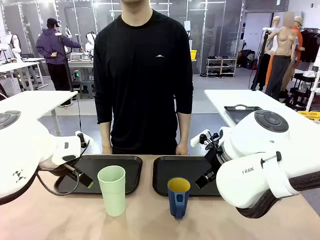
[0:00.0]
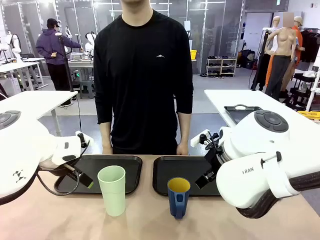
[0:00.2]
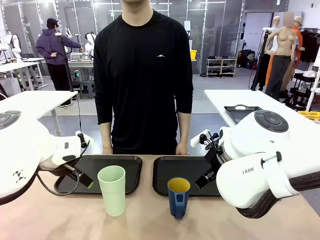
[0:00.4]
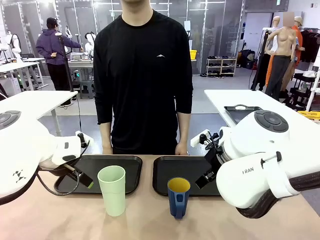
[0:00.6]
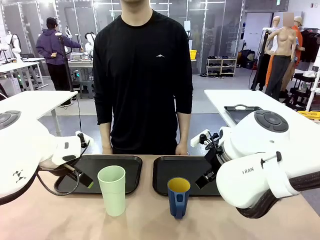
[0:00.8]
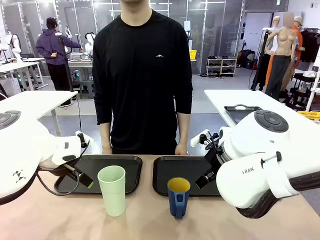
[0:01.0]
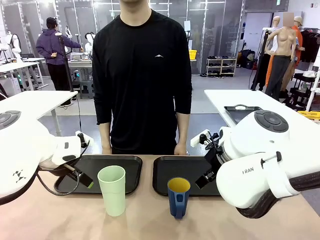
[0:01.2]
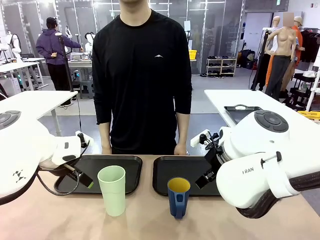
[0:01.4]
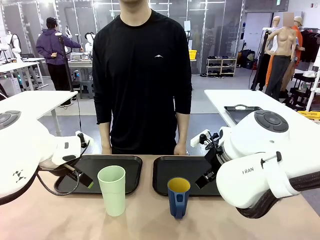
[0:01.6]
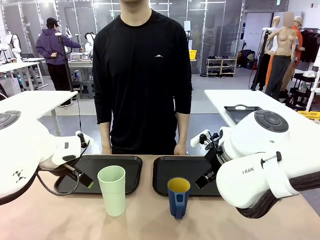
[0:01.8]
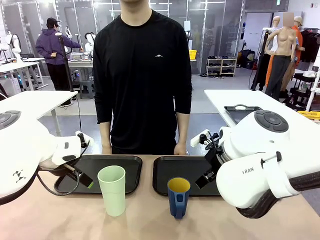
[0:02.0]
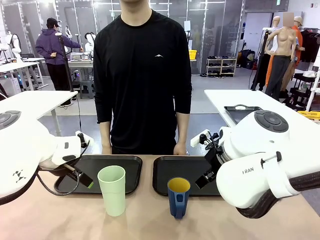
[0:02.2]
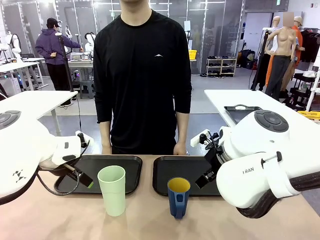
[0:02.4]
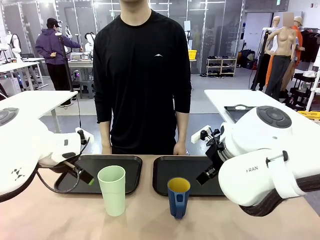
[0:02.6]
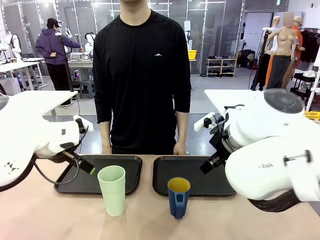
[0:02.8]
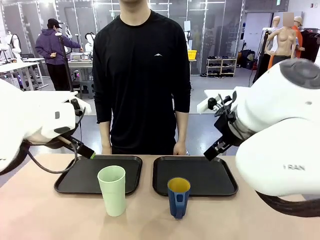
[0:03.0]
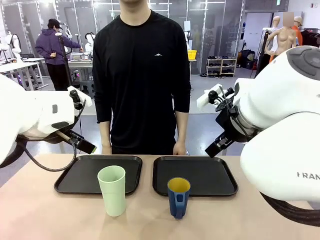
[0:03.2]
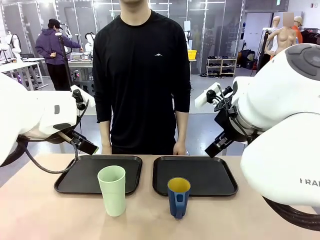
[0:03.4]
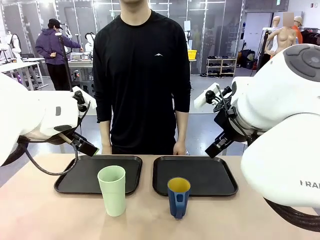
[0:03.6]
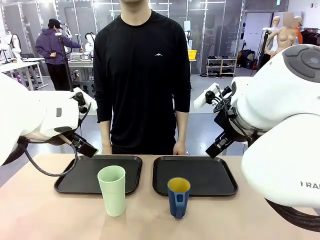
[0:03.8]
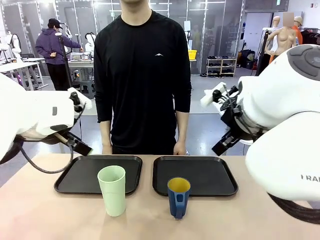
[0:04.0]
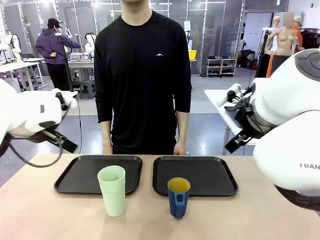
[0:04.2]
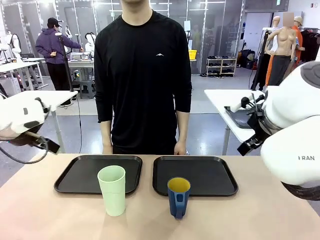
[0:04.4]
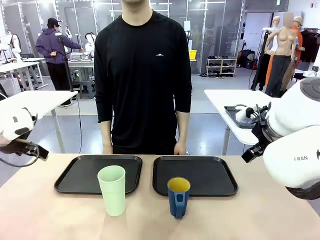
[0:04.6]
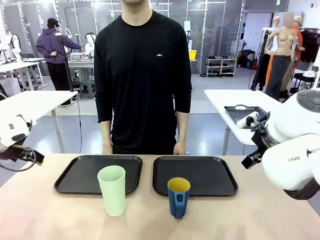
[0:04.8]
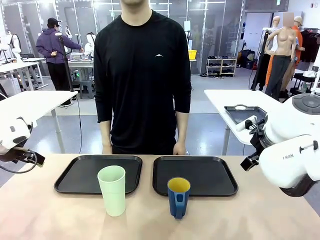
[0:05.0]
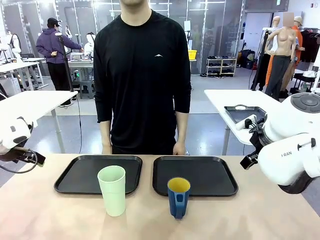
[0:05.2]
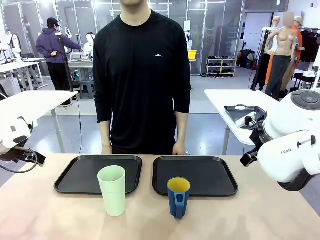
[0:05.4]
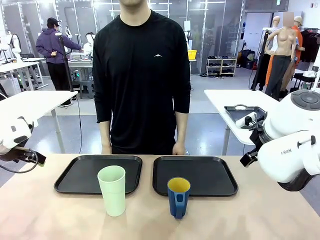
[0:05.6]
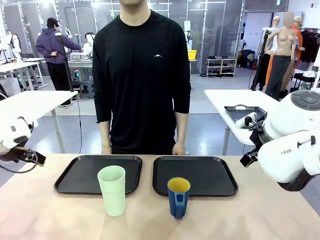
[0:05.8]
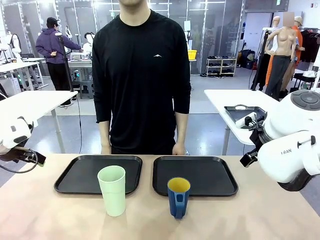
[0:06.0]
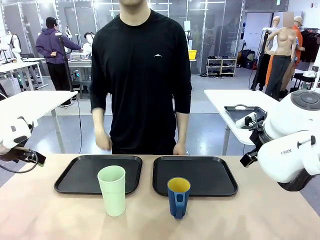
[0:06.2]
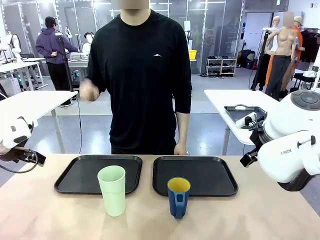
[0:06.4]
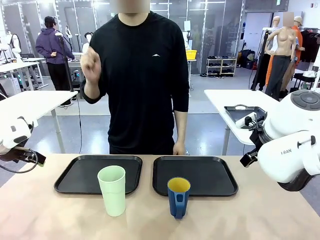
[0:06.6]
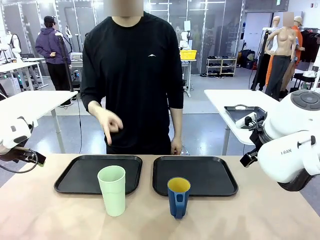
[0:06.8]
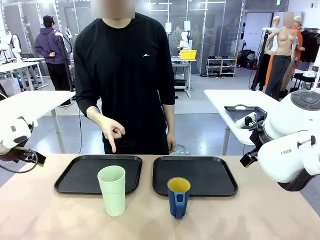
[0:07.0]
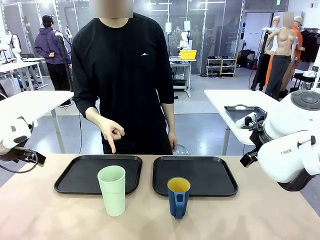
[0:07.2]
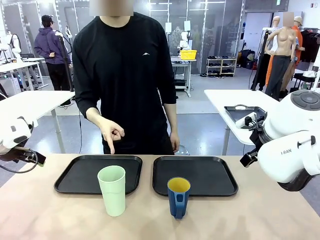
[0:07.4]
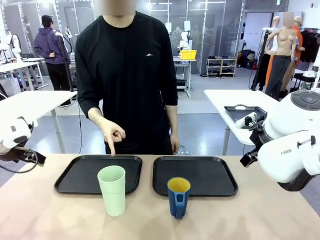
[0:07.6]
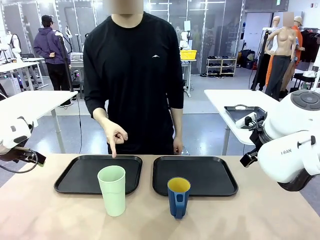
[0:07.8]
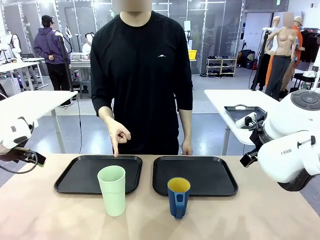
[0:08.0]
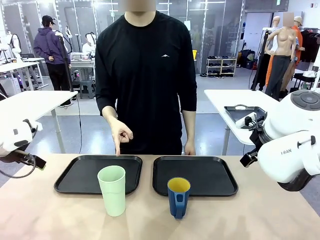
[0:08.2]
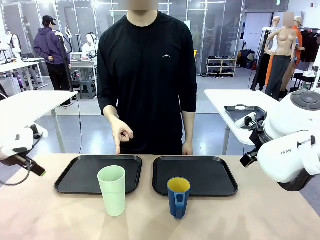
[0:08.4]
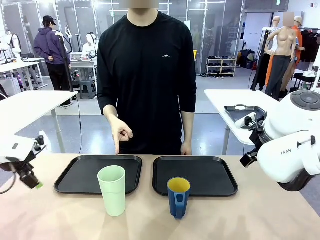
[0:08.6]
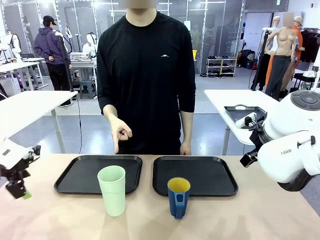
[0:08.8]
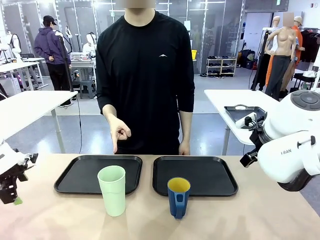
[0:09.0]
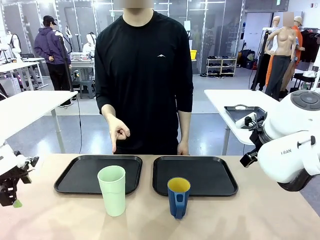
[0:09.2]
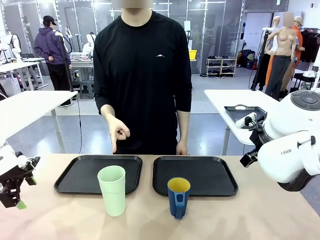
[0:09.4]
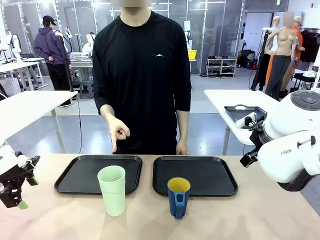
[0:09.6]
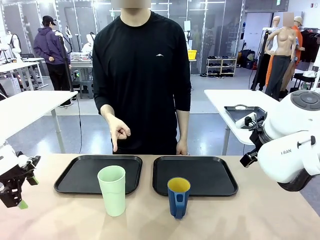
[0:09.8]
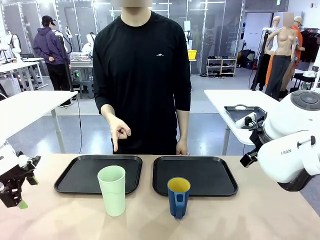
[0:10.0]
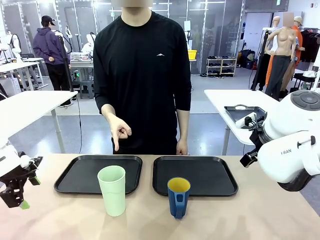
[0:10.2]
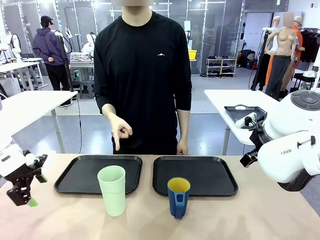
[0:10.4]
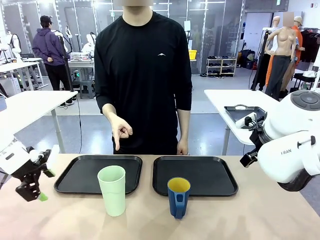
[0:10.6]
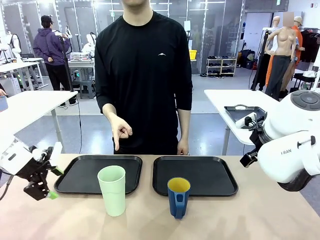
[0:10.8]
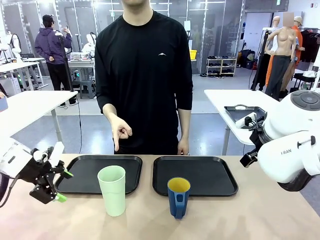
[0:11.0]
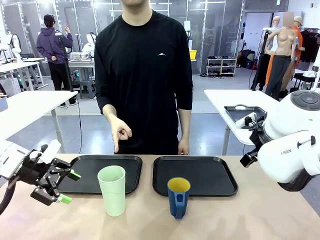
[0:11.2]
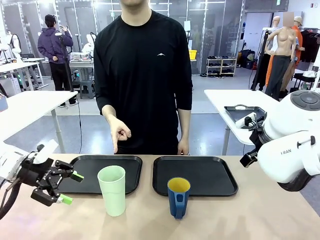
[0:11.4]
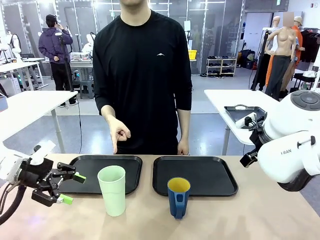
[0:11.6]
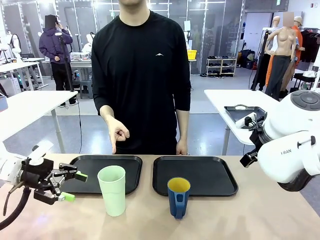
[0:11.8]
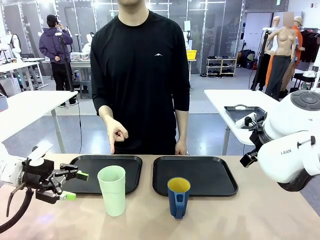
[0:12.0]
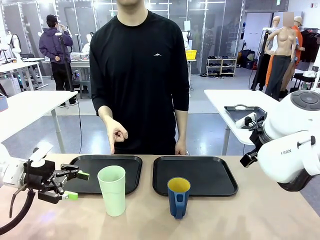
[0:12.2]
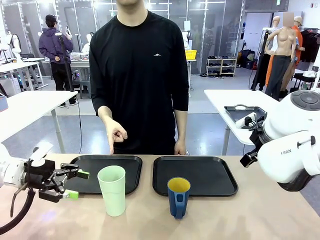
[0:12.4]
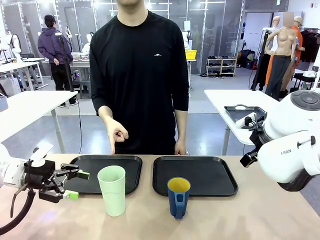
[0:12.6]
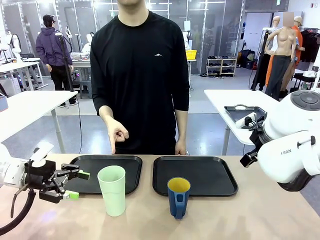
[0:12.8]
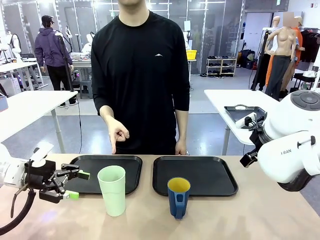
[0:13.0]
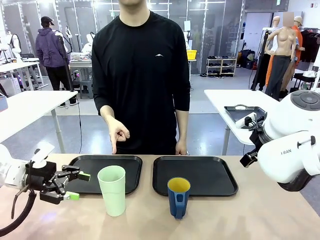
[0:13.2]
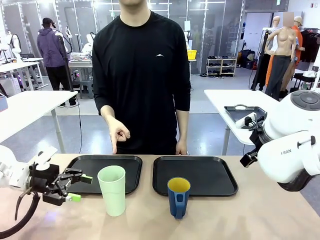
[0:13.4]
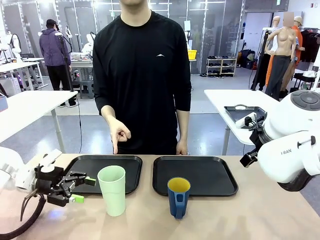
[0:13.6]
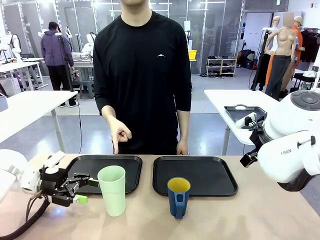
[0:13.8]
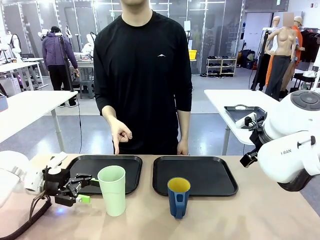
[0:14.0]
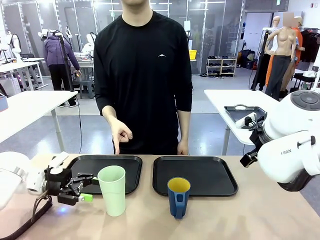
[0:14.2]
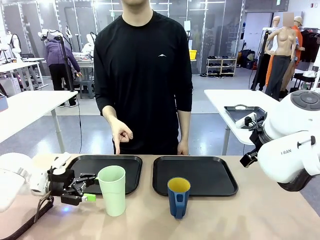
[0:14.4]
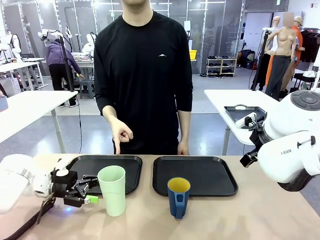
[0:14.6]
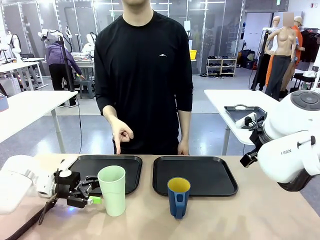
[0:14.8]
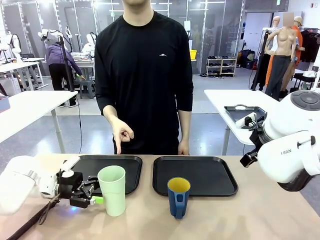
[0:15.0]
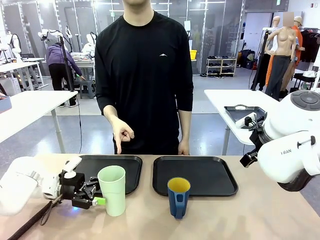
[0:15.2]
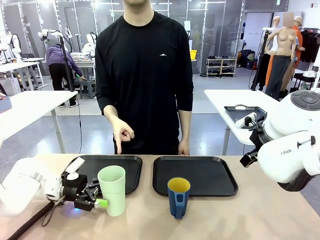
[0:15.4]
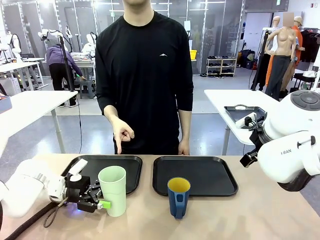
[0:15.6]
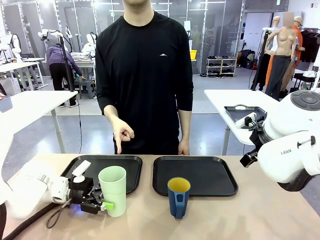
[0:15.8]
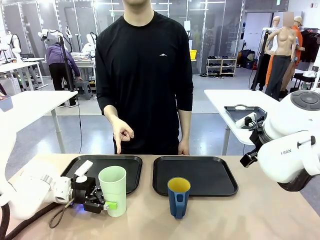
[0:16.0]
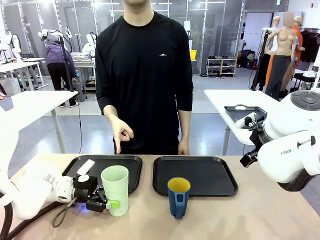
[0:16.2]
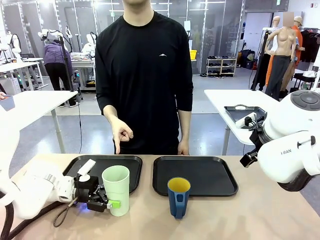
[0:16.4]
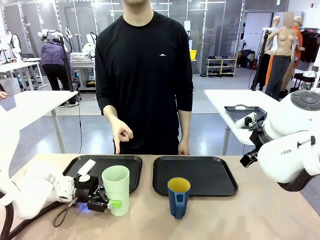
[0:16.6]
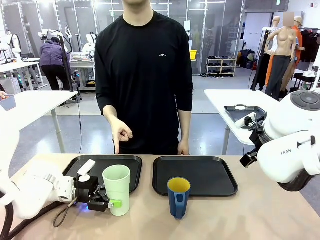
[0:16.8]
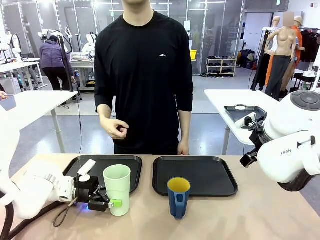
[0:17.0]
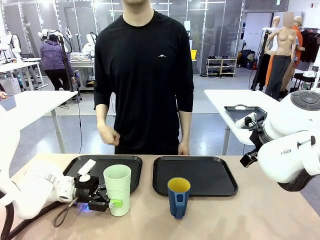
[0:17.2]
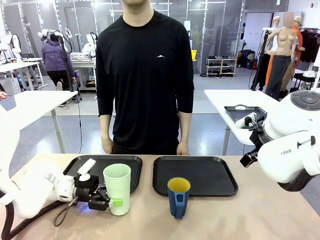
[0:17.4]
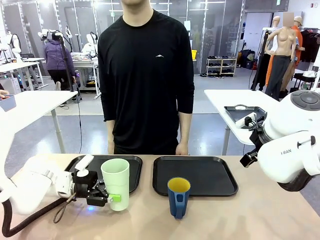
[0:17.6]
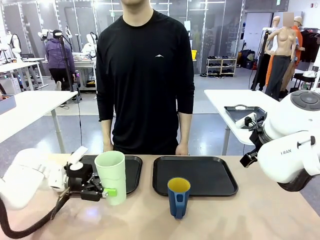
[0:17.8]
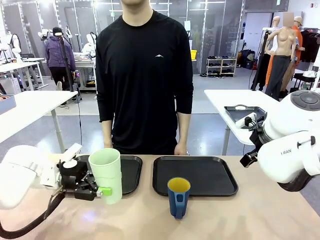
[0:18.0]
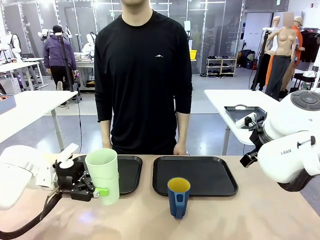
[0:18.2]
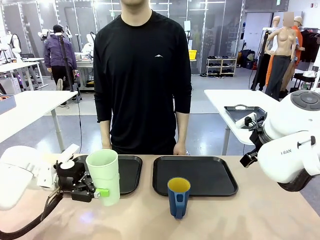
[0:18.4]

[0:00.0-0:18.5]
Task: Sort and store the cups by type.
Robot: Pick up the Reusable plastic cup.
Person: Points to the reusable cup. Point to one of the two trays.
